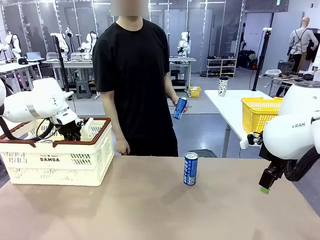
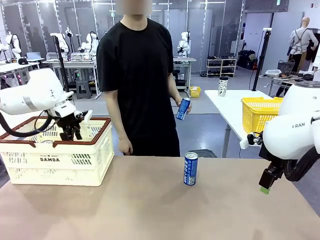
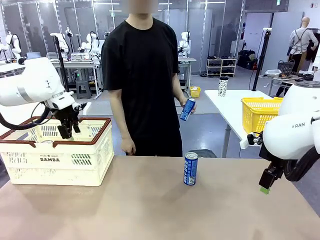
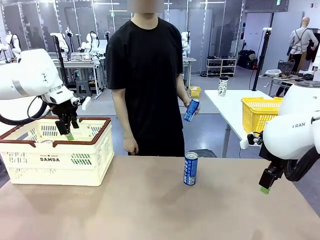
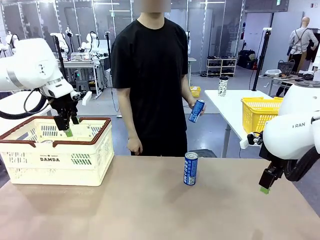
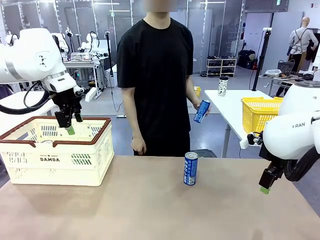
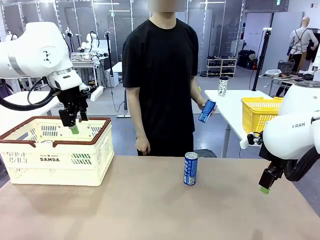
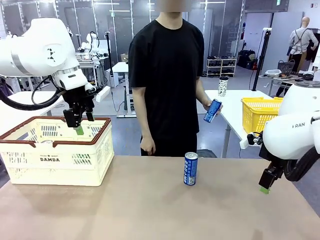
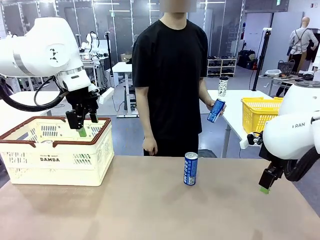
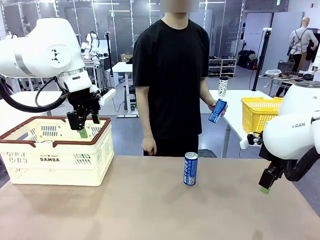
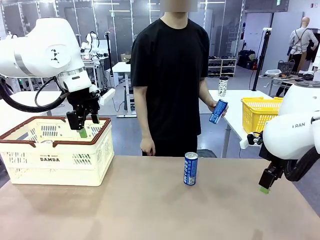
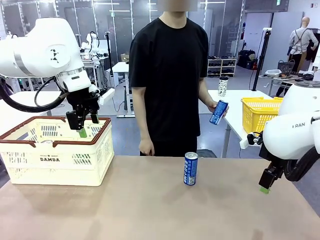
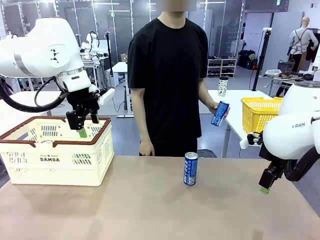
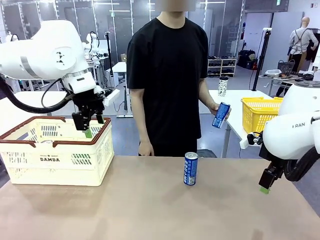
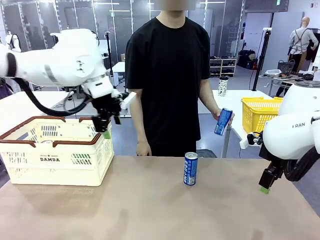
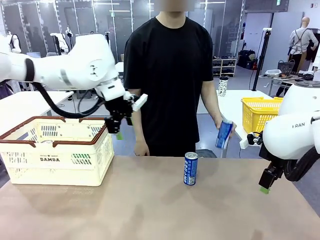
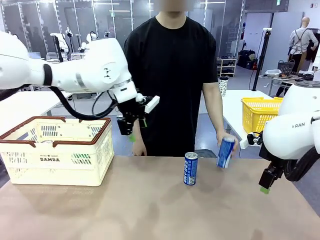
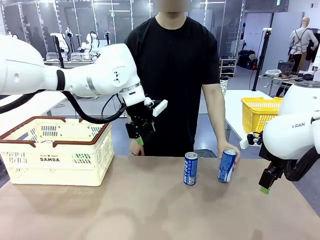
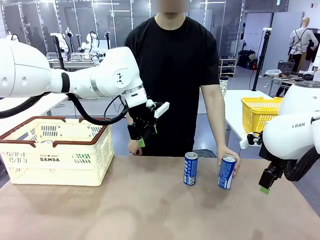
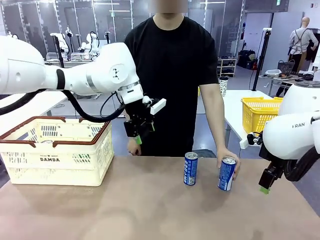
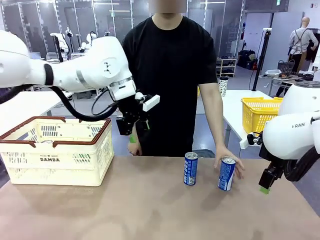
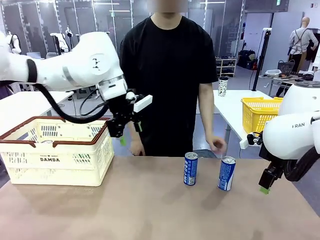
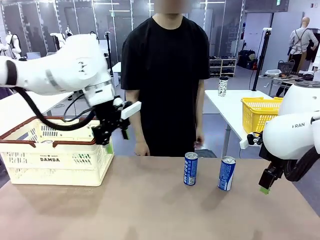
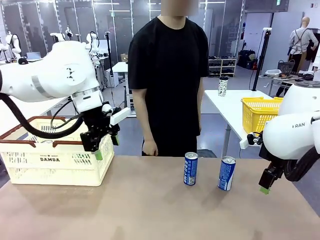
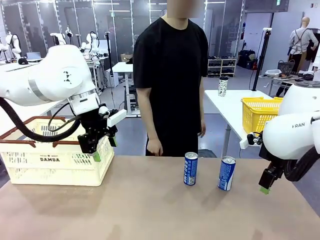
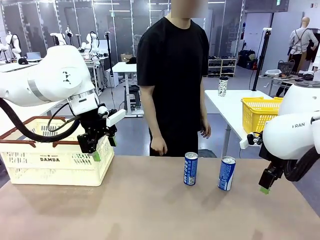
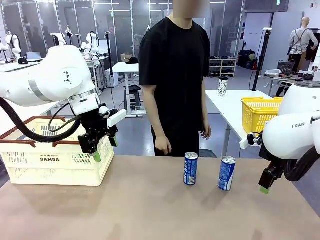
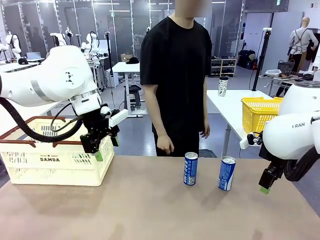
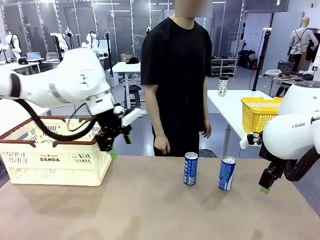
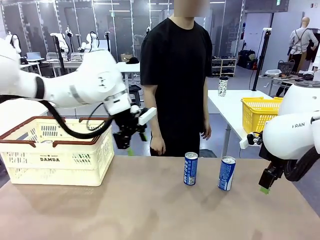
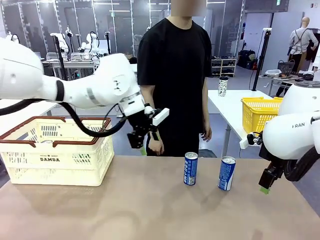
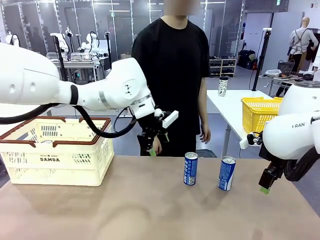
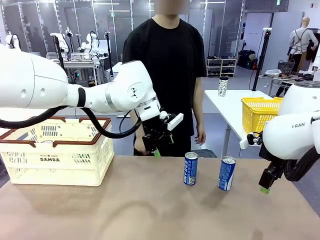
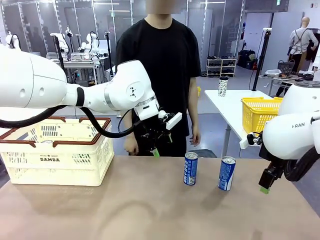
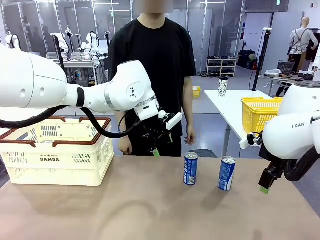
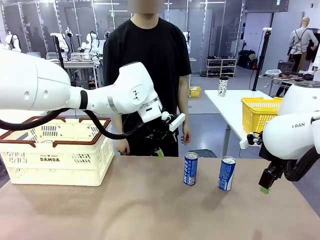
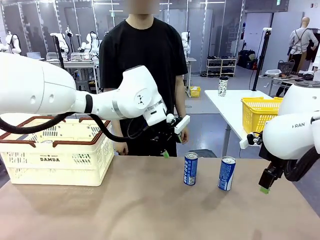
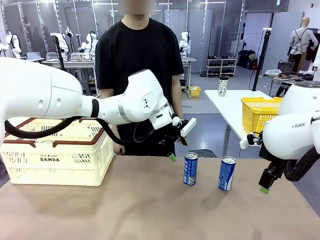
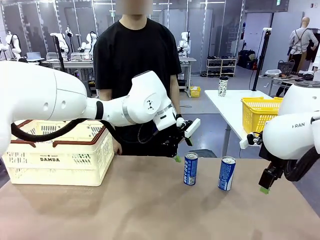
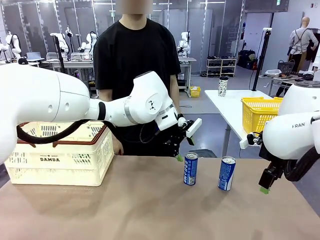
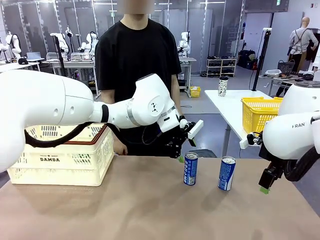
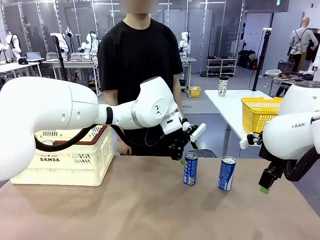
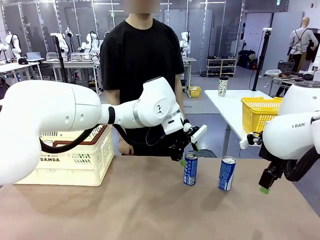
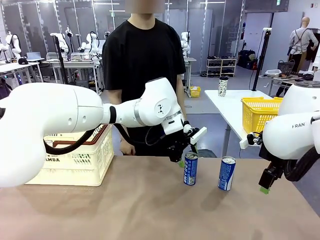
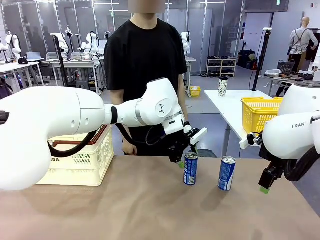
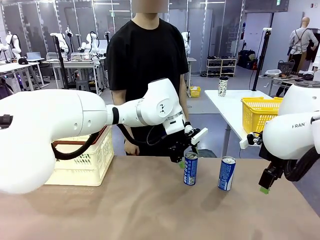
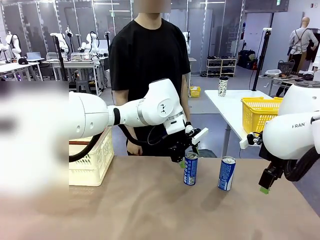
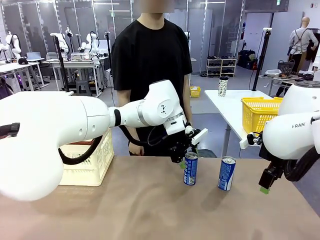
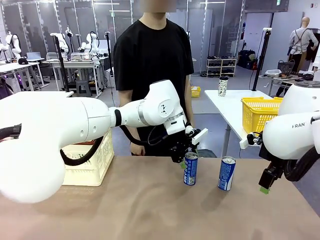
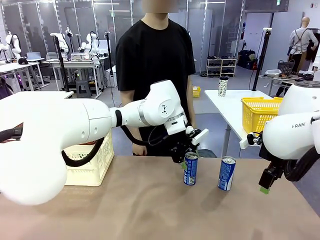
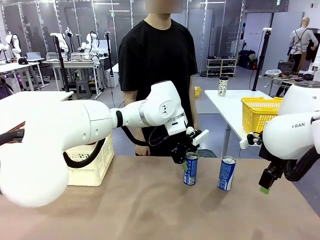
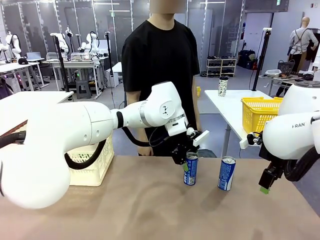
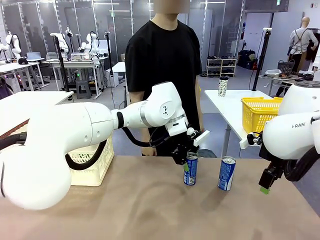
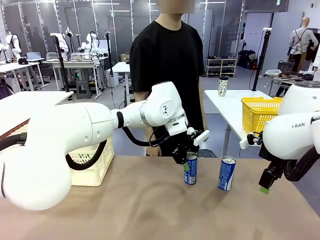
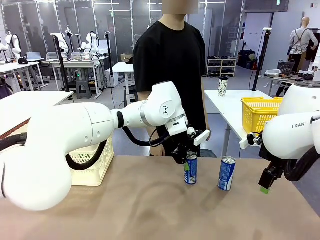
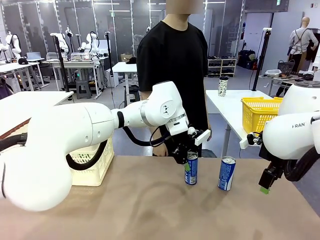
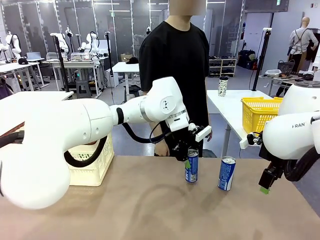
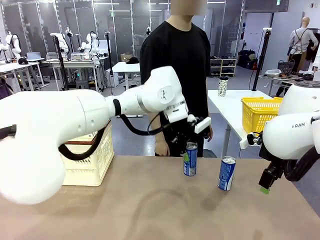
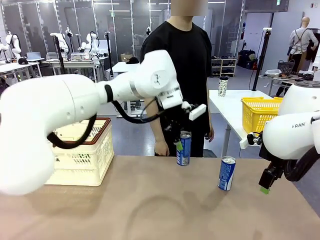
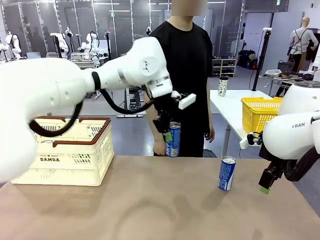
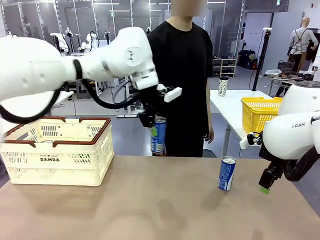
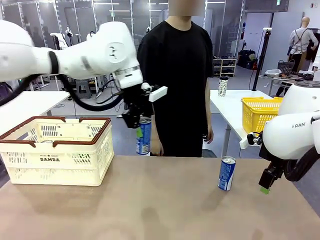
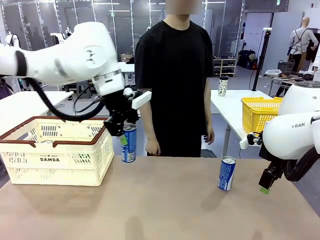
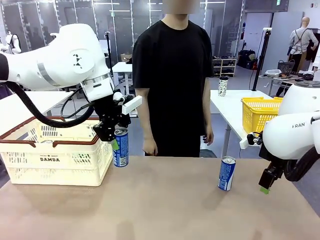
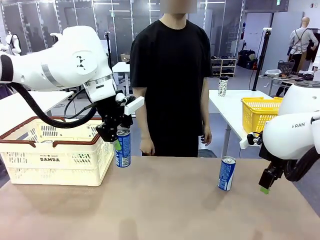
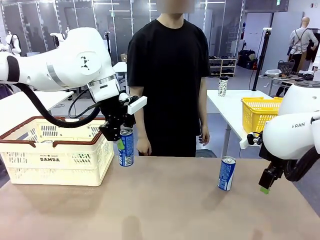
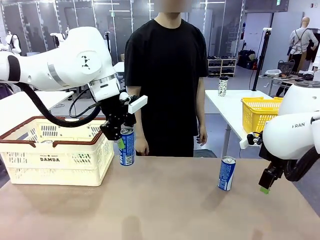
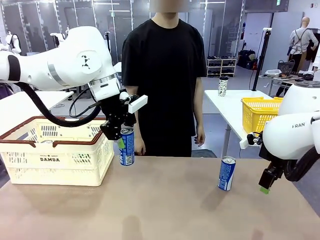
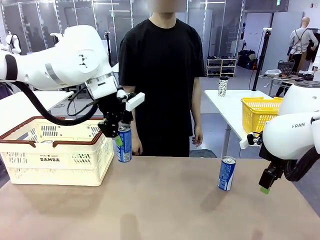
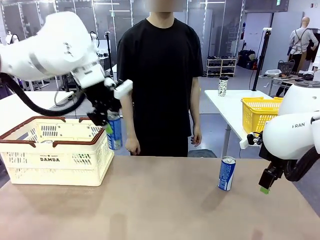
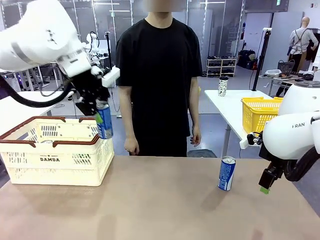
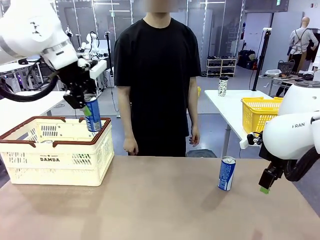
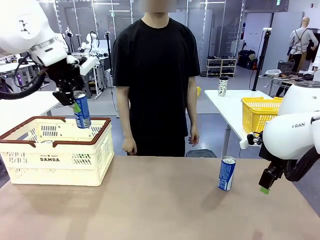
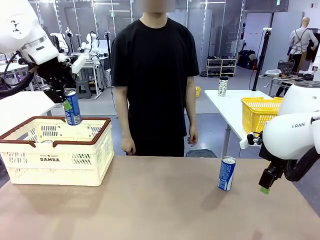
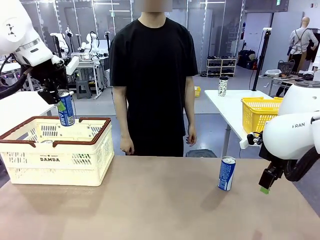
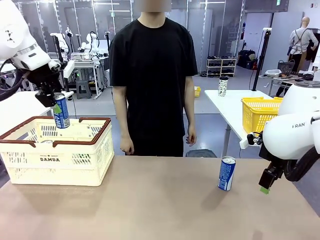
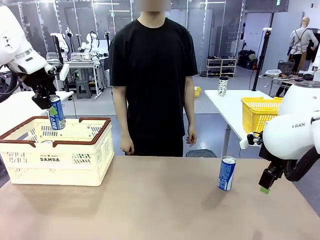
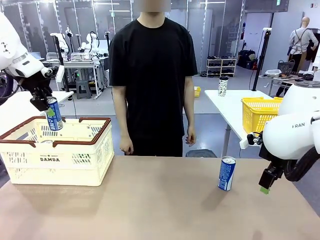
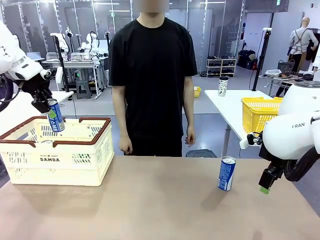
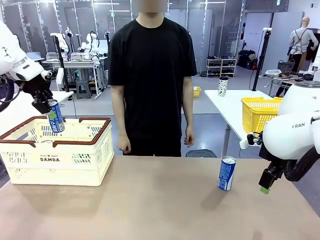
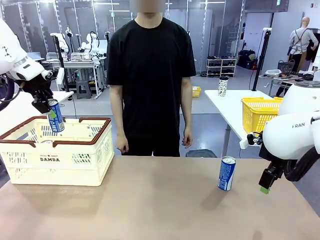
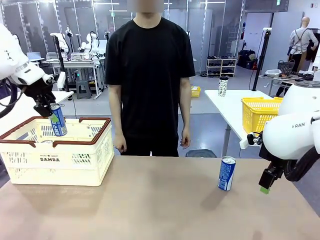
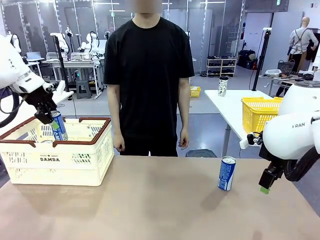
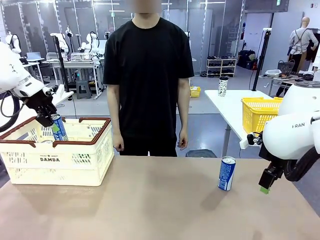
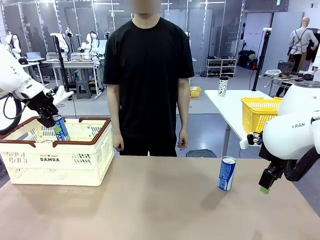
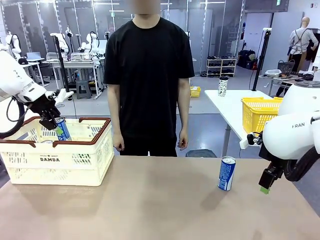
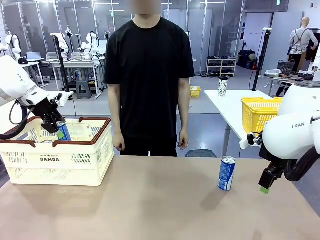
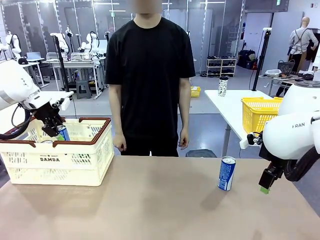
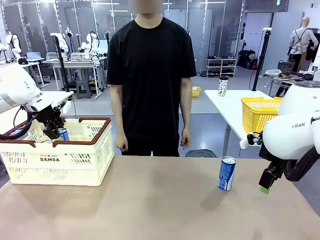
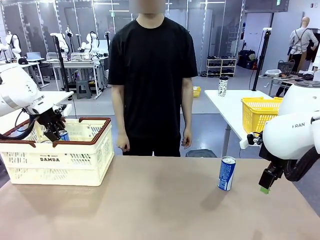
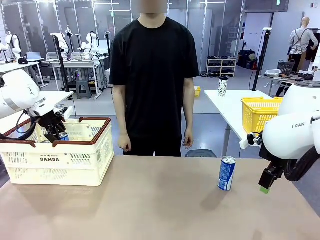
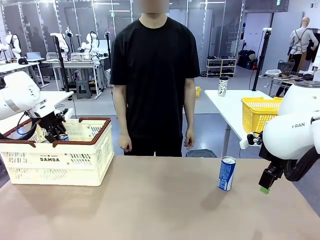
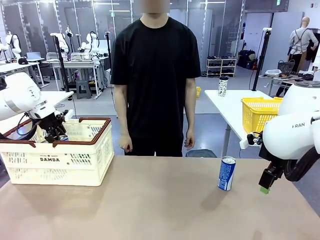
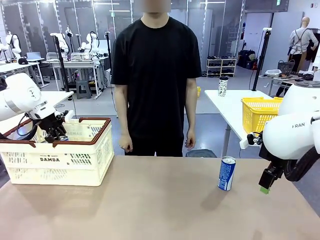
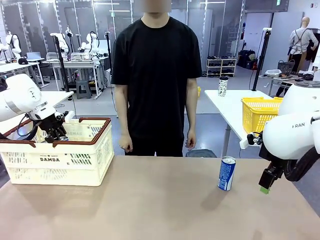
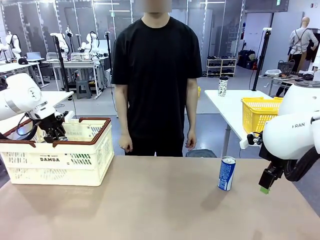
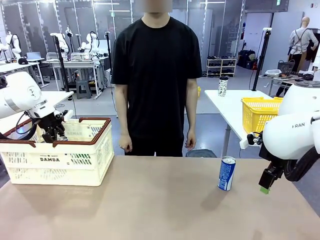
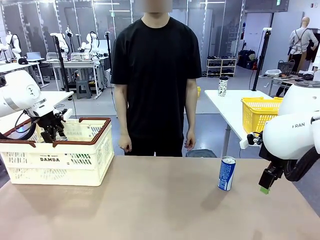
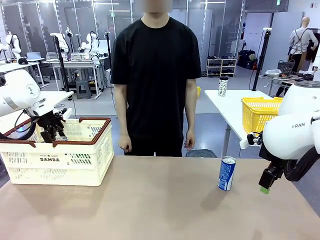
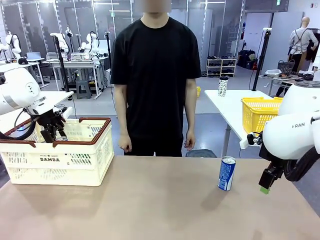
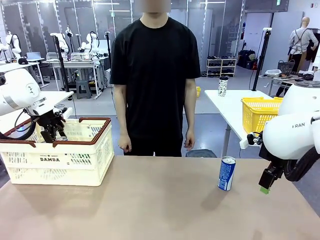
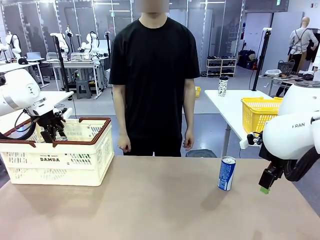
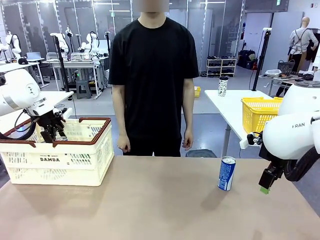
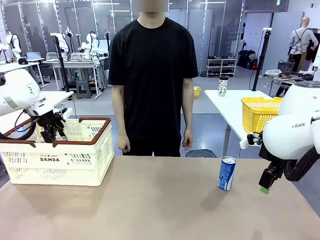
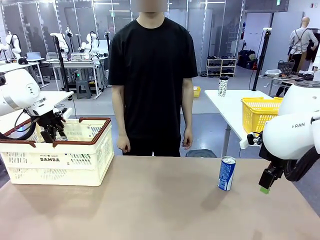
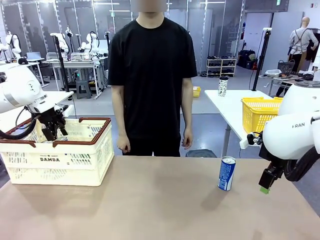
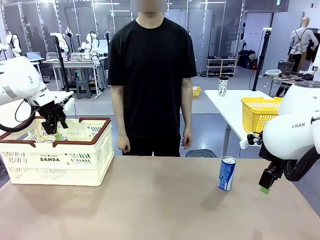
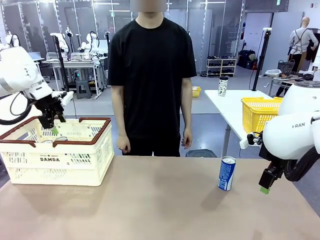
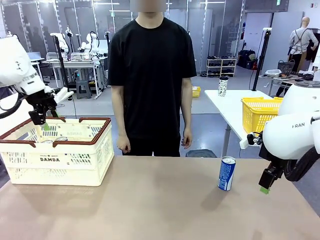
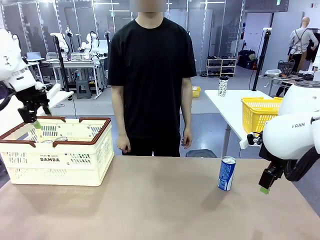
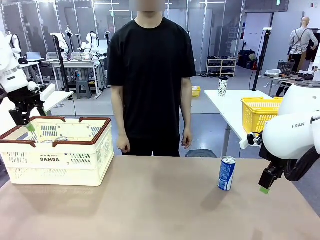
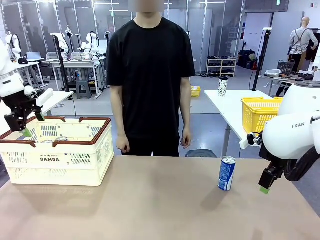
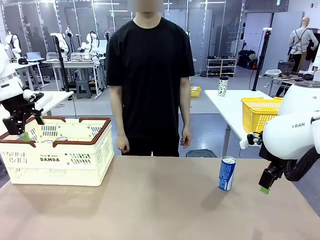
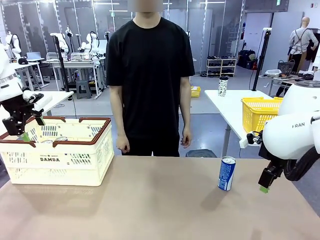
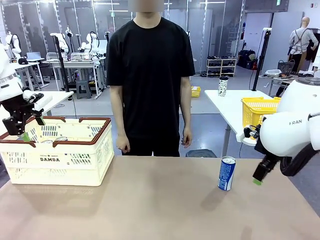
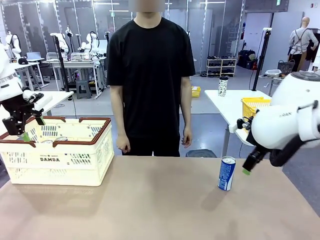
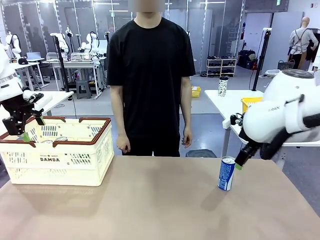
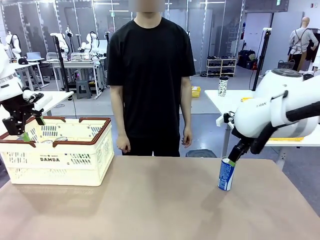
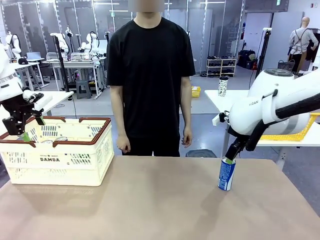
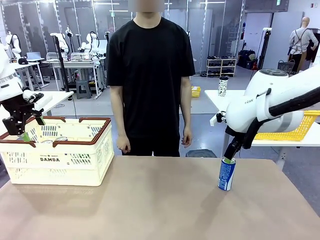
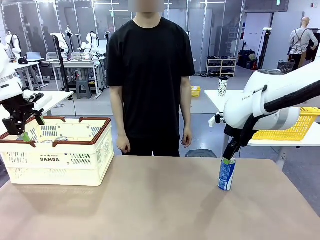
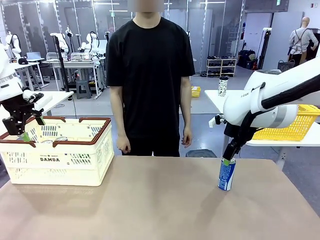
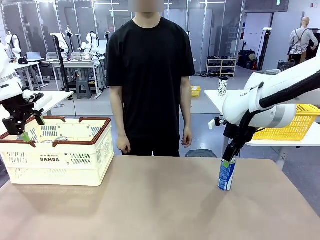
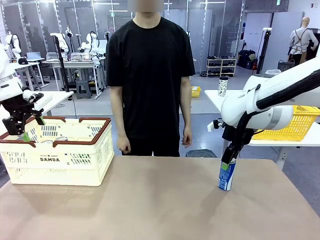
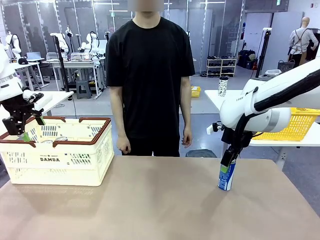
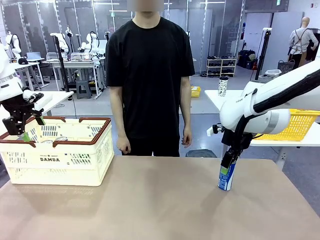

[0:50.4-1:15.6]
Task: Place the drinks into the Shopping basket.
Robot: Pick up one drink and place it into the Shopping basket.
